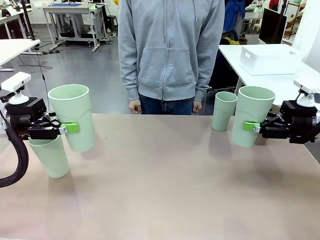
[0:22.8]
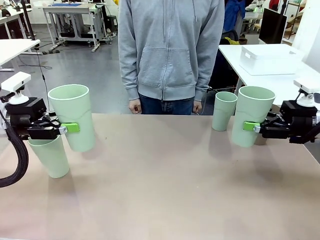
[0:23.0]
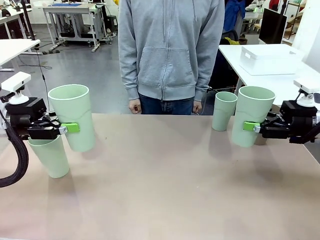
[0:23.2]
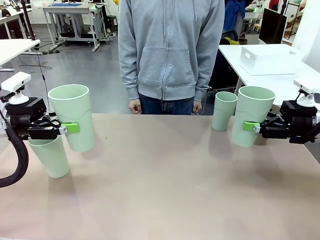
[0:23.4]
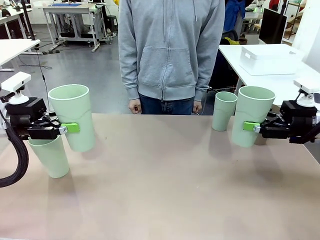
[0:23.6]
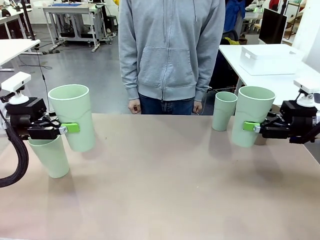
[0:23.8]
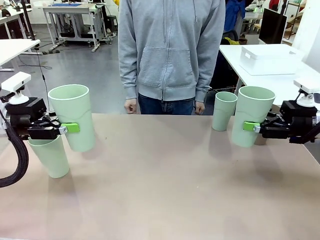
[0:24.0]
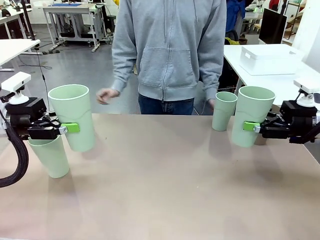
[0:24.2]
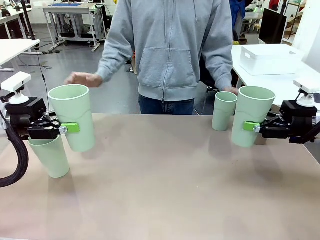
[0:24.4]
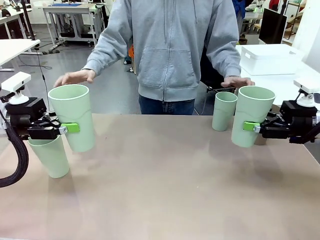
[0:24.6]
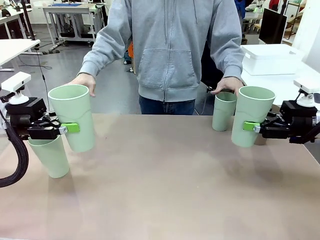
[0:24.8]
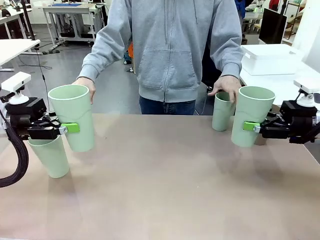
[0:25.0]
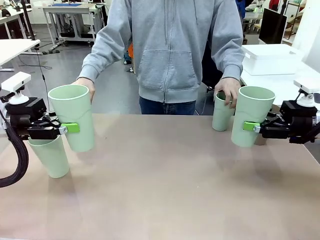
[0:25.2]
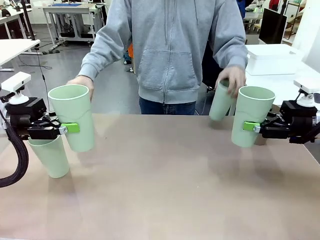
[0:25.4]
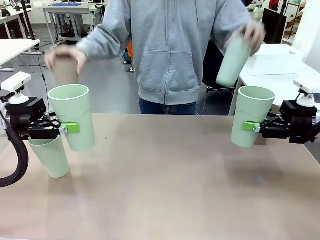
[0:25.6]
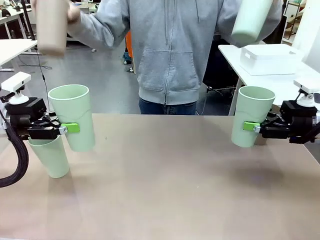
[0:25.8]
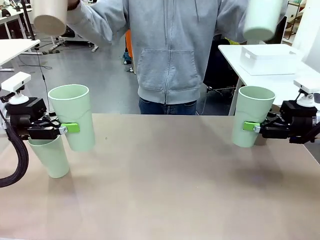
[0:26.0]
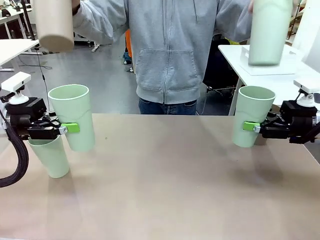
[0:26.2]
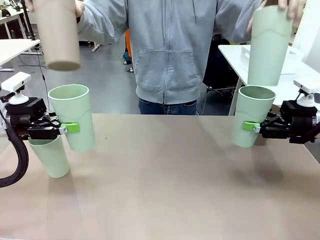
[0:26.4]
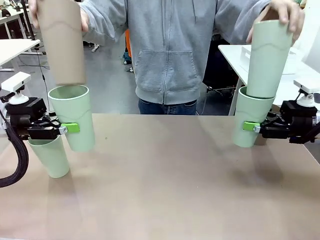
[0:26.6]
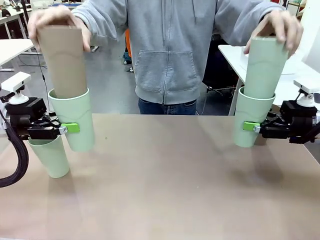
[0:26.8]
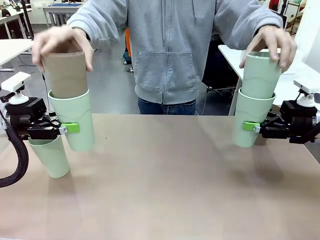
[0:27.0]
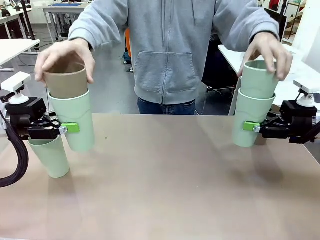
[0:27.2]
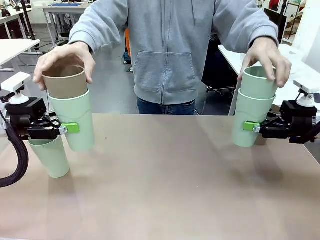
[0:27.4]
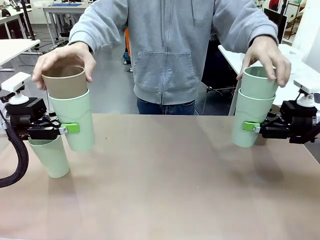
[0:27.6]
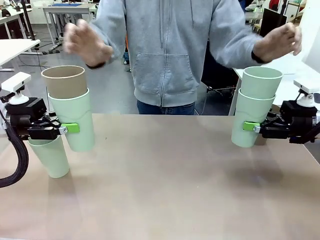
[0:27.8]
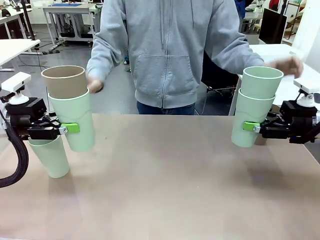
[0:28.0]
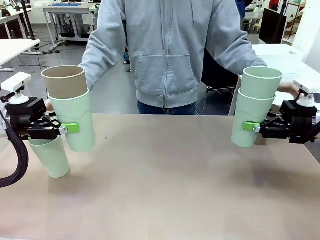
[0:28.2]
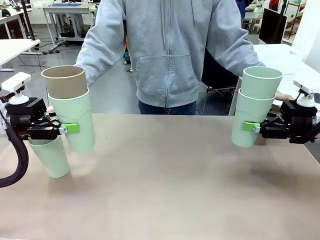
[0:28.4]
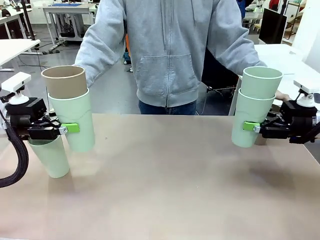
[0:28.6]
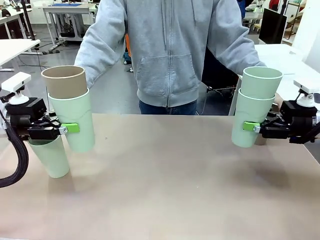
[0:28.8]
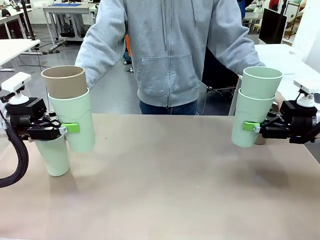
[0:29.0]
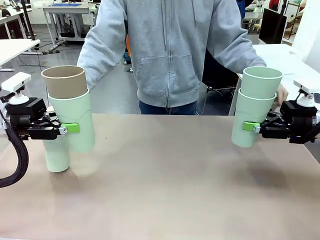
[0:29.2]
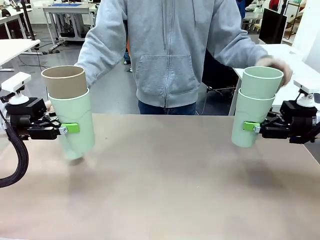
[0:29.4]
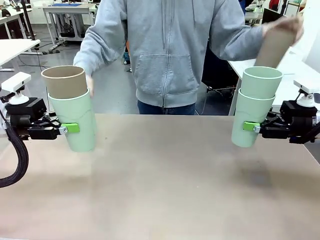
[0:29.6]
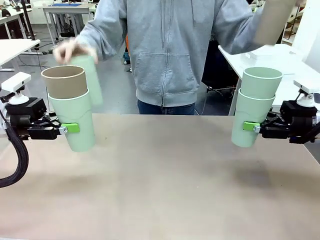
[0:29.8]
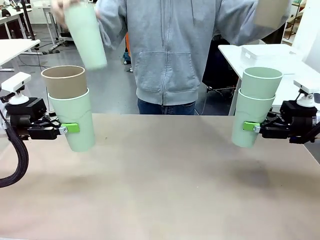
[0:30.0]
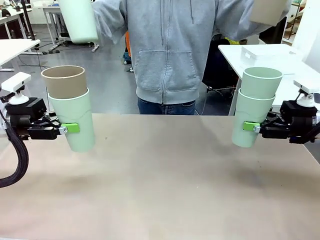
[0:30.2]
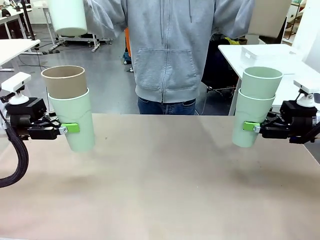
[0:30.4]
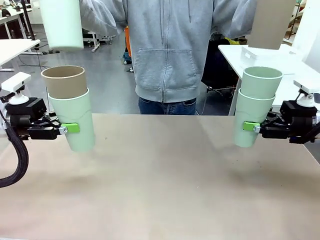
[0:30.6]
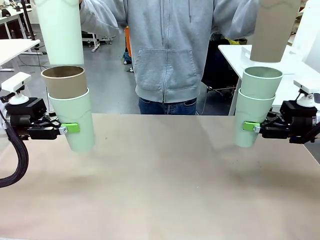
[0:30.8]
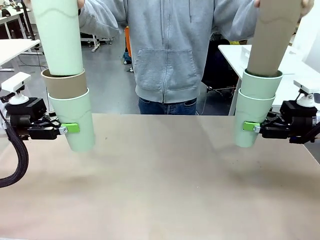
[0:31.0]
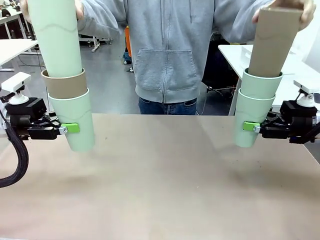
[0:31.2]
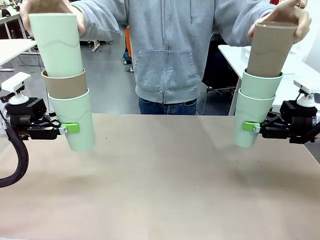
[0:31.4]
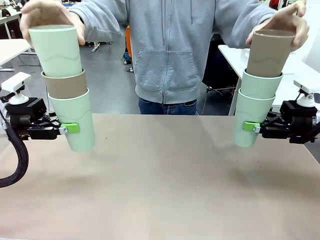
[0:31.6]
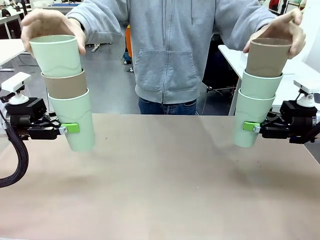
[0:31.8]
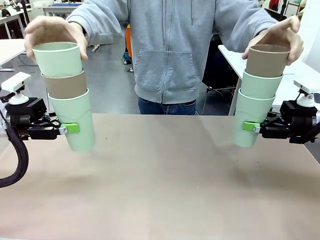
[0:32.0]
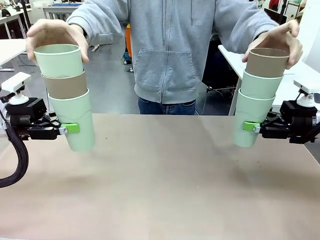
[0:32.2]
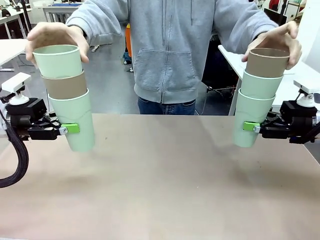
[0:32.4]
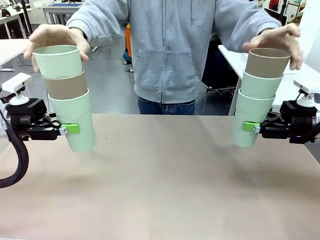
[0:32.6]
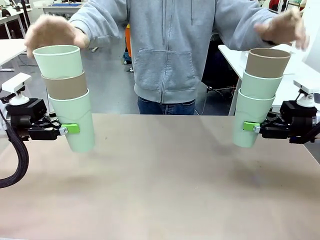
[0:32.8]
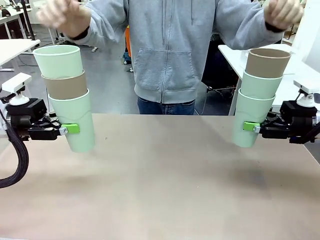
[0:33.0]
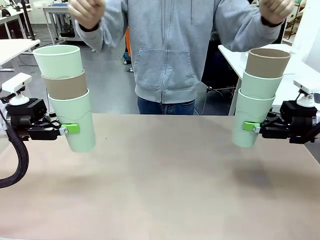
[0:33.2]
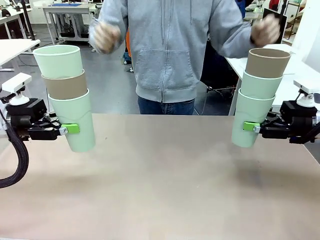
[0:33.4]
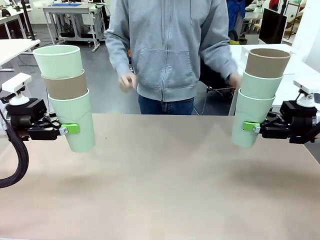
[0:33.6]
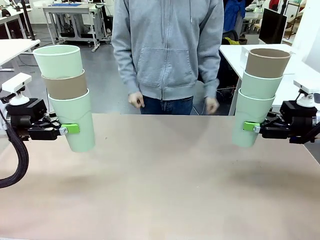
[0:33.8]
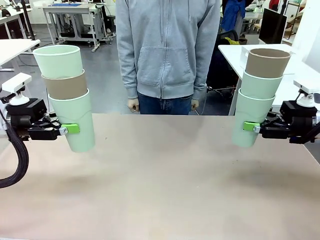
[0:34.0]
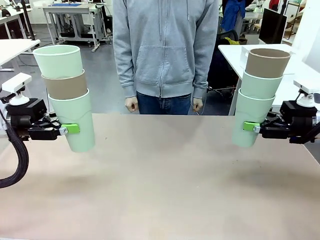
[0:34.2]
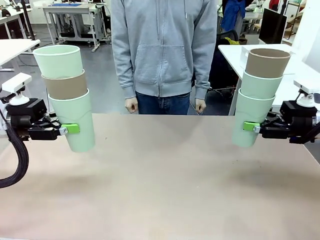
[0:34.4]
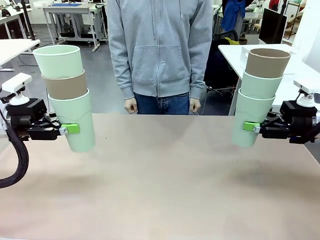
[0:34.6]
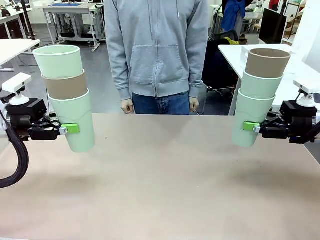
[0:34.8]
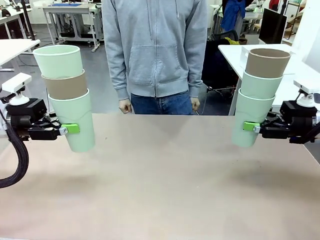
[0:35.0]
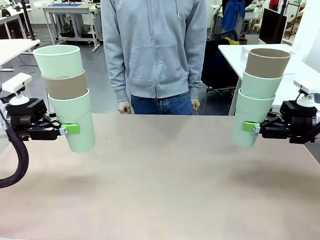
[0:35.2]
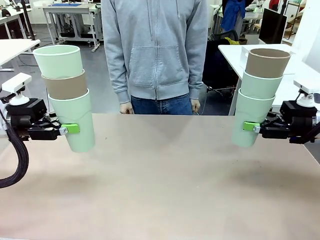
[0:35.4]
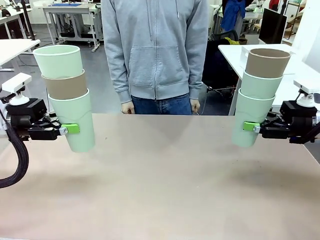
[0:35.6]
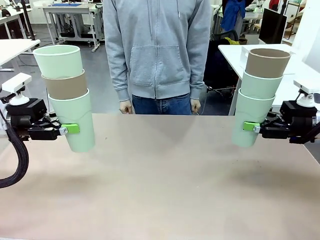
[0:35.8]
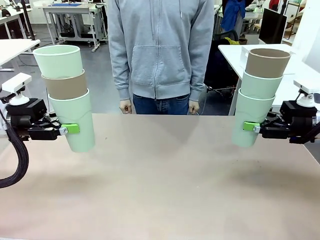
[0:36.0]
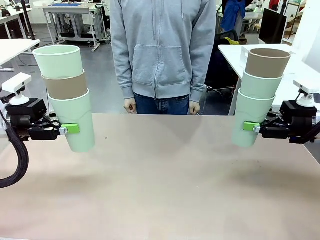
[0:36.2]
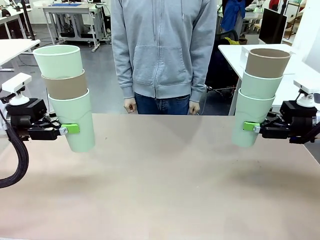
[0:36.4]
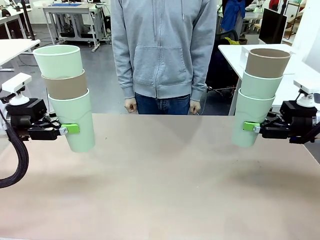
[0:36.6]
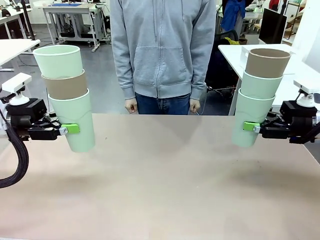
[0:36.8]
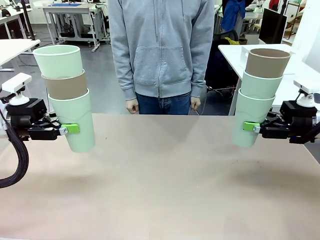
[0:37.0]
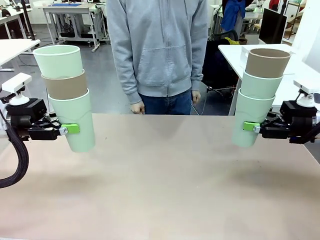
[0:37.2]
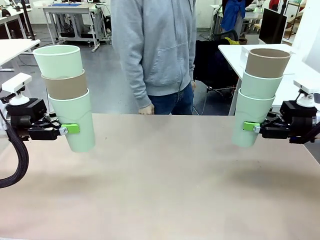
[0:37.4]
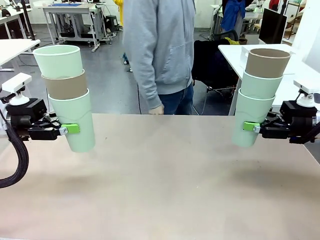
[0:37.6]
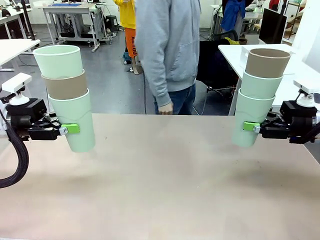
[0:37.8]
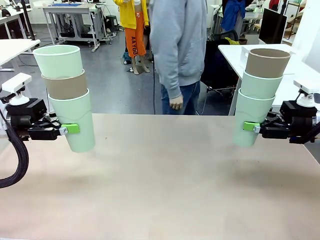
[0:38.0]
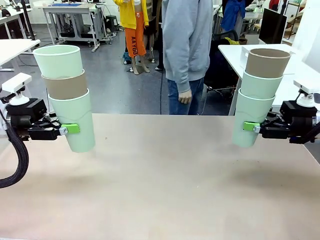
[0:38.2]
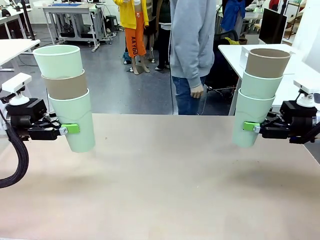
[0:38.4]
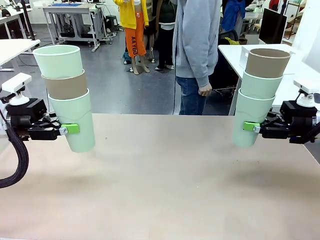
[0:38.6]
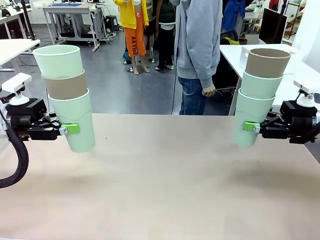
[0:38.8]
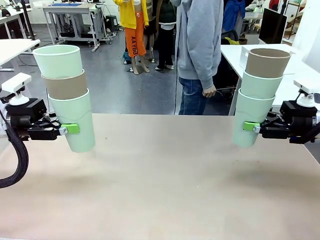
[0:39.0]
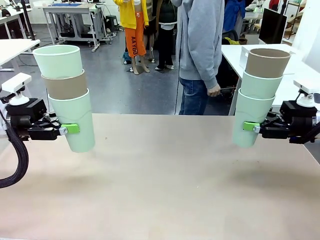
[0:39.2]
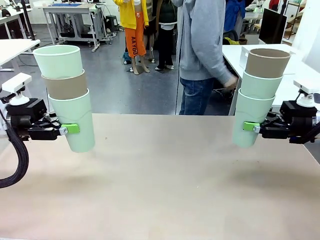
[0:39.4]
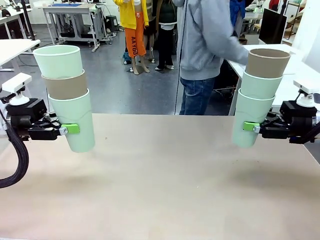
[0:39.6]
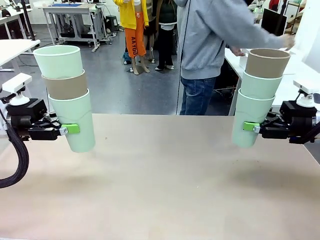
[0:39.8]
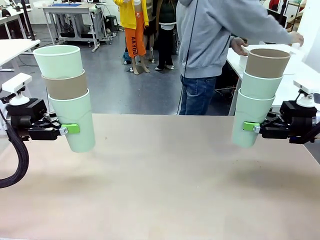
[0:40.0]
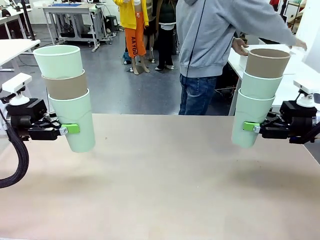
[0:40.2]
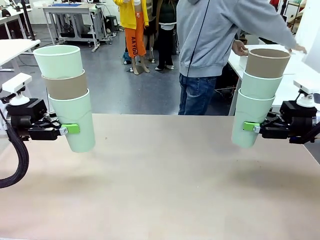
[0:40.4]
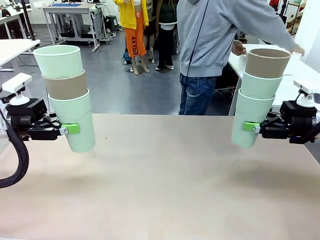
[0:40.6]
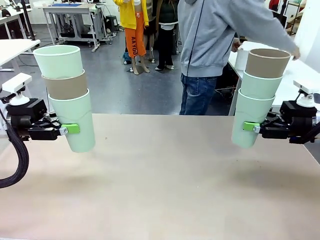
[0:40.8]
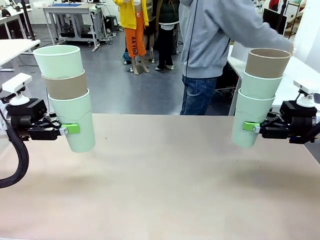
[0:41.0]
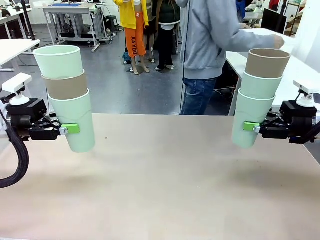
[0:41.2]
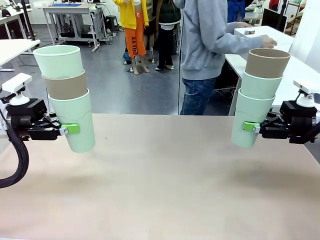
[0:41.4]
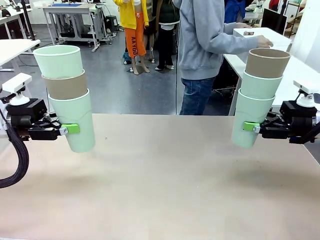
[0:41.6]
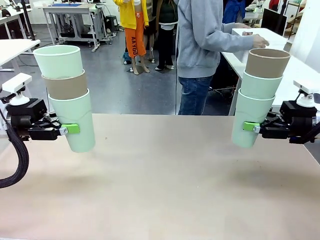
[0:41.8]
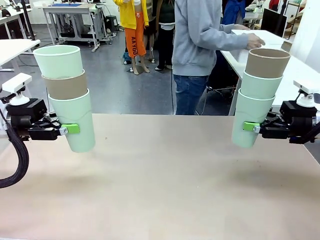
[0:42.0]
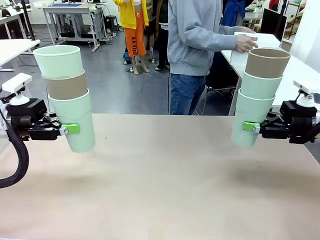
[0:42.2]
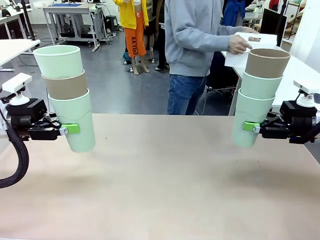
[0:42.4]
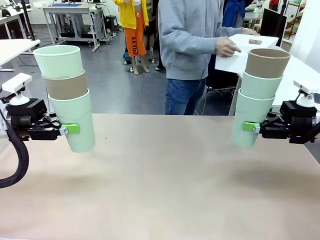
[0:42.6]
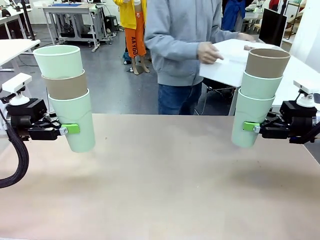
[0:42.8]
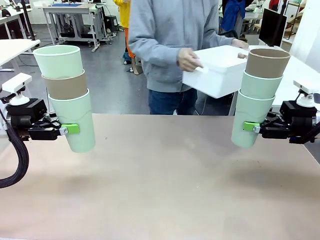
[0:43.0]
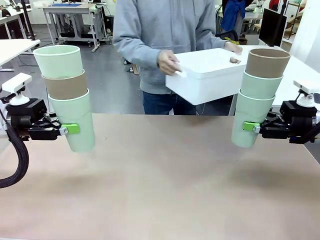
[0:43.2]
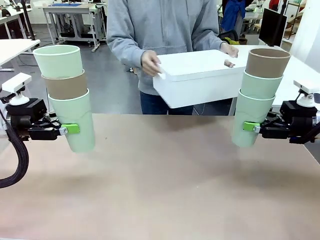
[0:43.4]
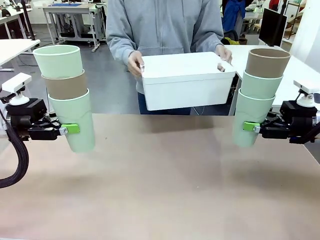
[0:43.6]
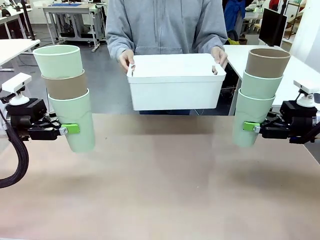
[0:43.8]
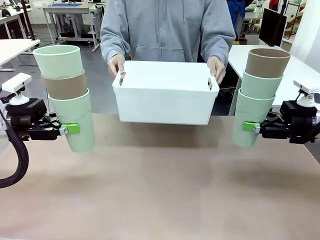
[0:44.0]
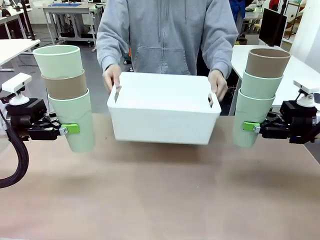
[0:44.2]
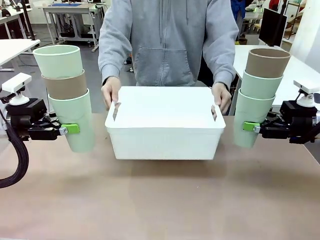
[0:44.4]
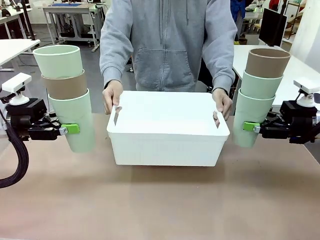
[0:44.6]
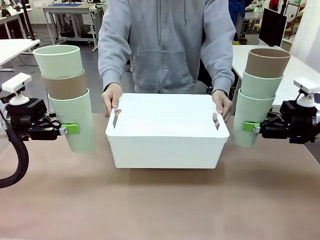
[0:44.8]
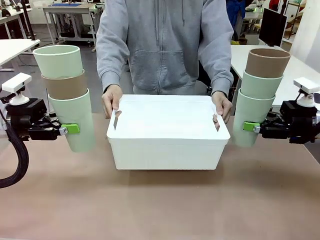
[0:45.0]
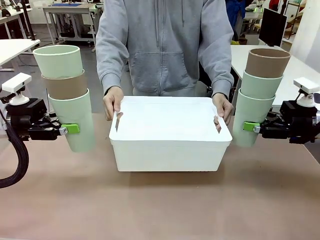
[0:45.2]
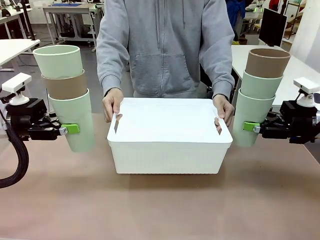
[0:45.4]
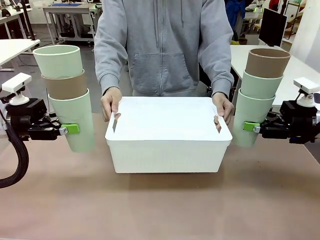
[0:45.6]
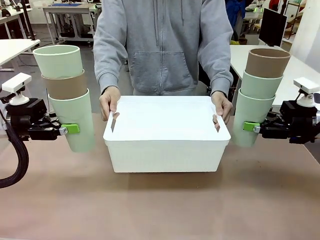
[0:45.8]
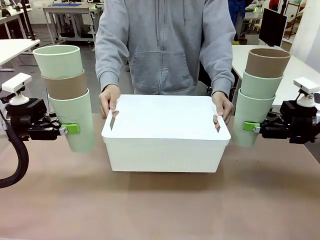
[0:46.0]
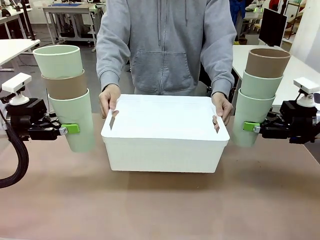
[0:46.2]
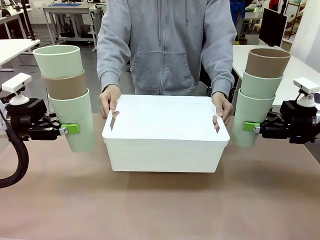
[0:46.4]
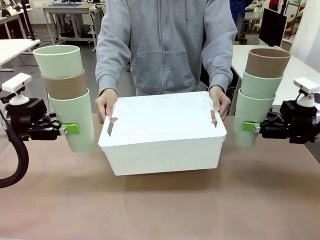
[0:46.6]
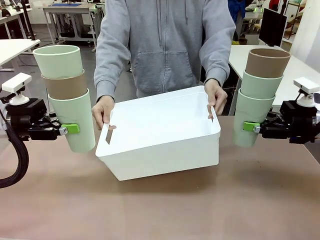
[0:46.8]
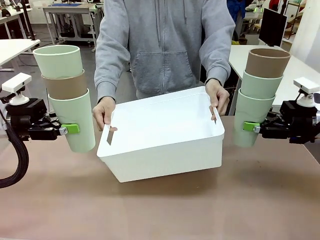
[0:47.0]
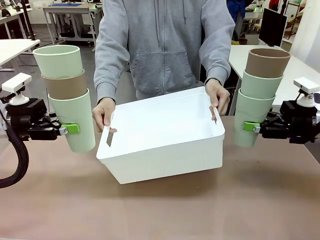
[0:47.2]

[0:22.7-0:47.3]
Task: Stack the cups and store them in the basket.
Robot: Place the stack of Reusable plastic cups into the Pantry Basket.
Person: Pick up the basket from the Human Table, bring it to the front of the robot, and present it.
